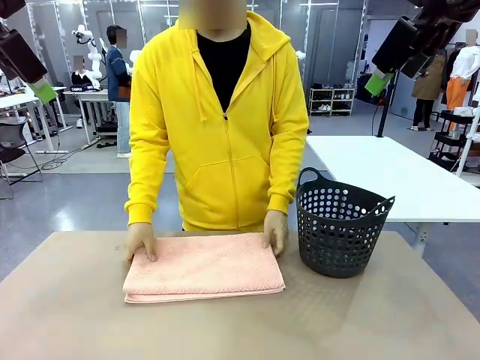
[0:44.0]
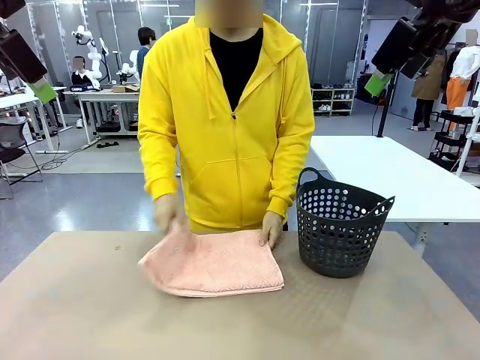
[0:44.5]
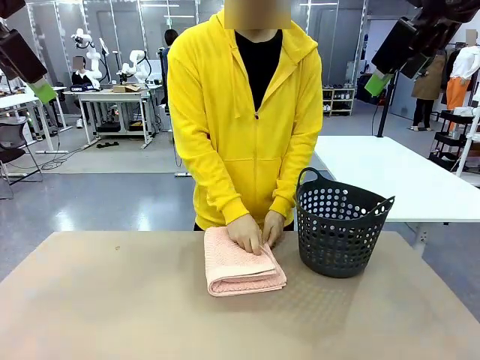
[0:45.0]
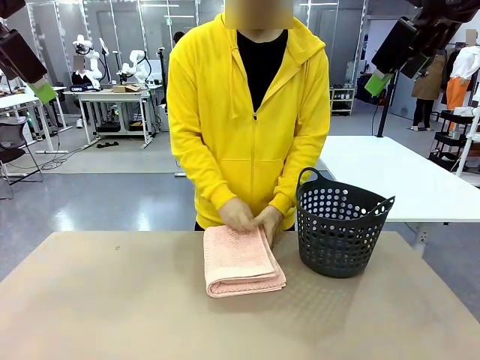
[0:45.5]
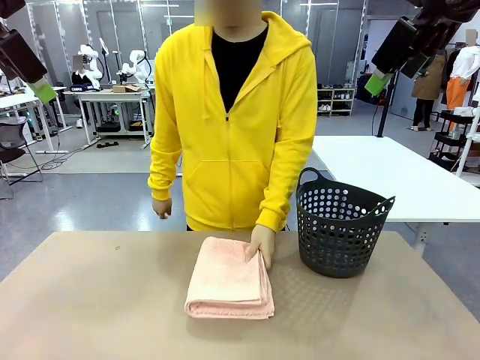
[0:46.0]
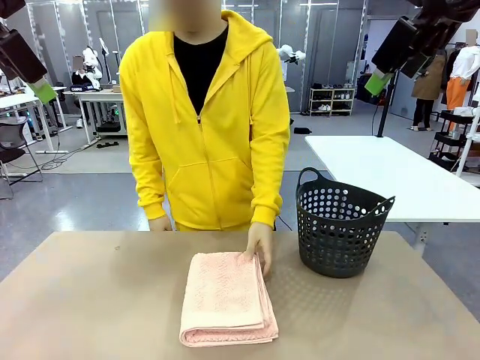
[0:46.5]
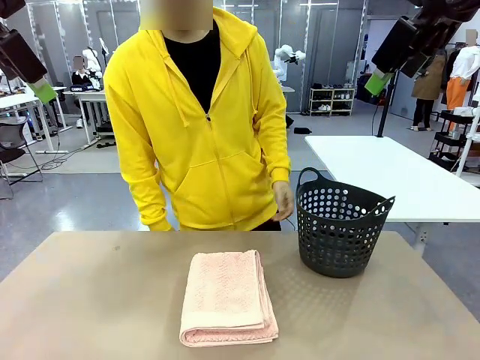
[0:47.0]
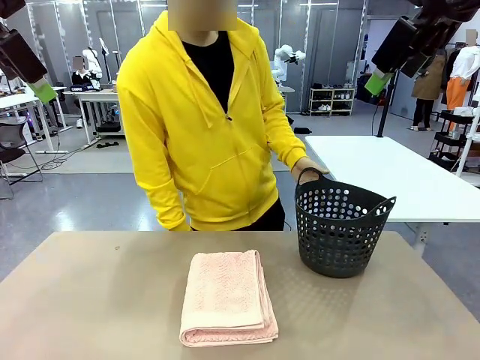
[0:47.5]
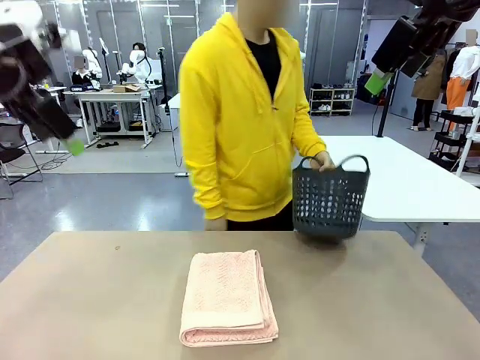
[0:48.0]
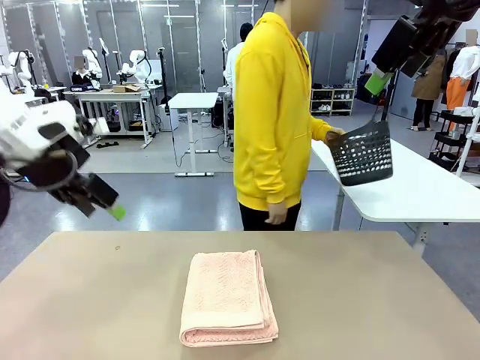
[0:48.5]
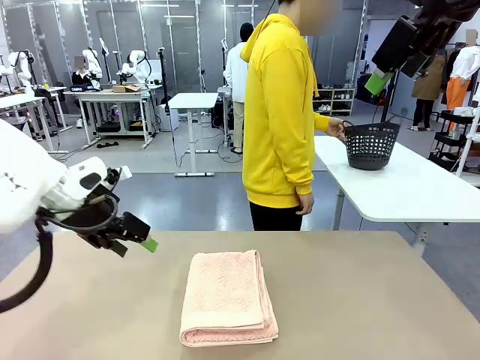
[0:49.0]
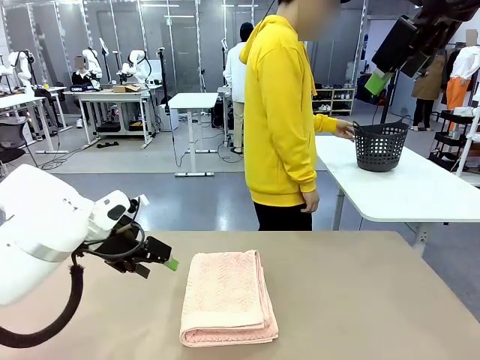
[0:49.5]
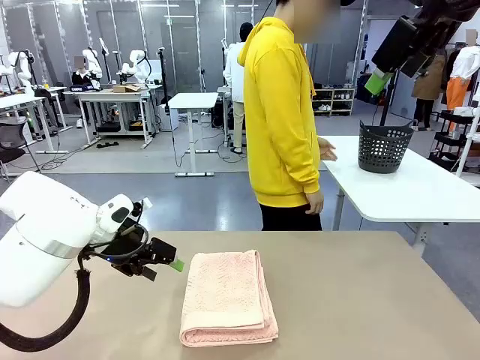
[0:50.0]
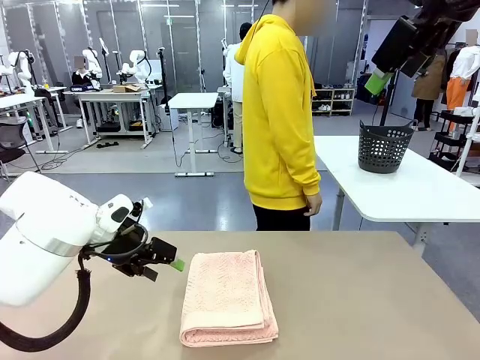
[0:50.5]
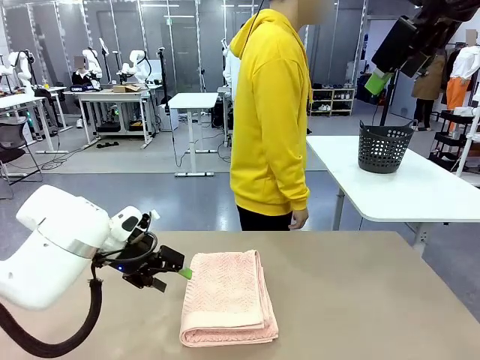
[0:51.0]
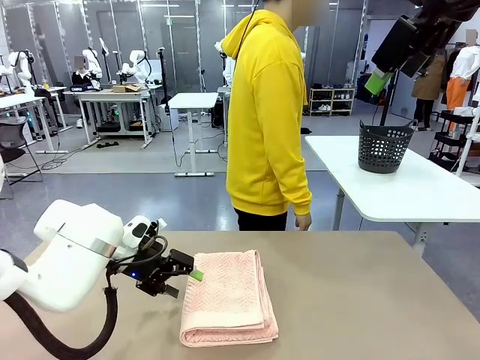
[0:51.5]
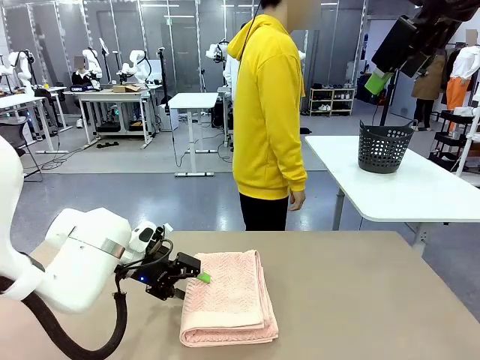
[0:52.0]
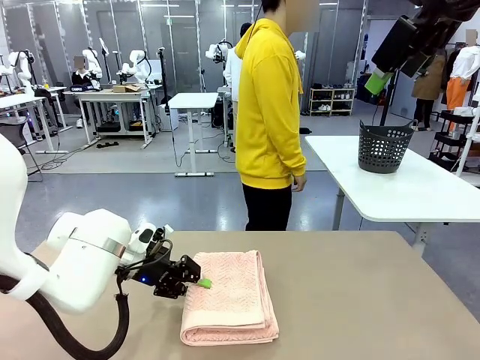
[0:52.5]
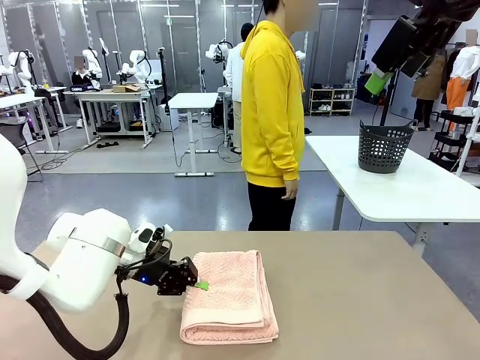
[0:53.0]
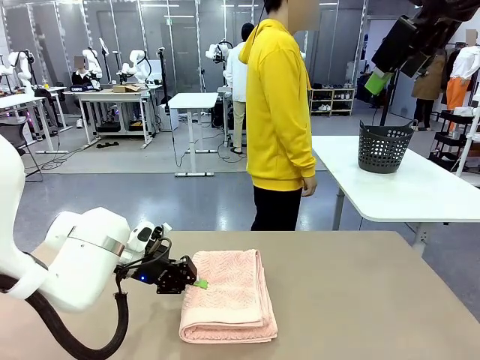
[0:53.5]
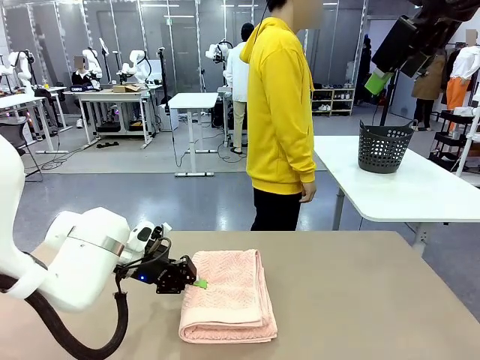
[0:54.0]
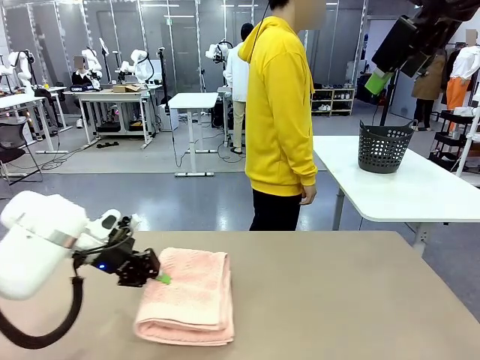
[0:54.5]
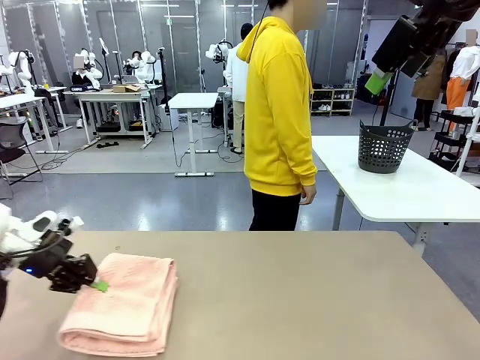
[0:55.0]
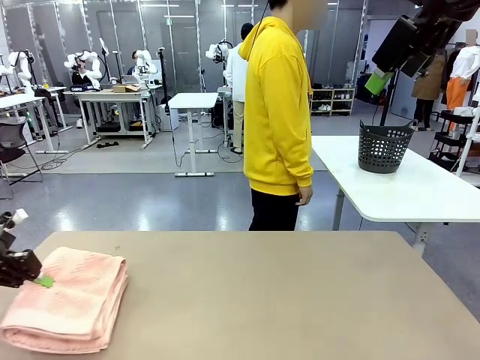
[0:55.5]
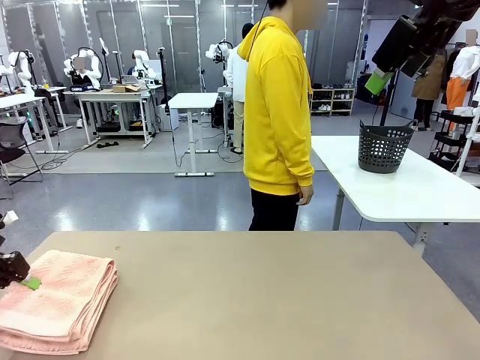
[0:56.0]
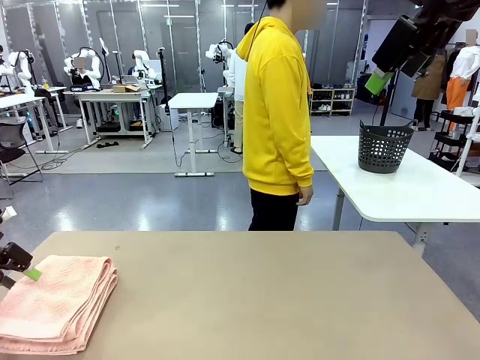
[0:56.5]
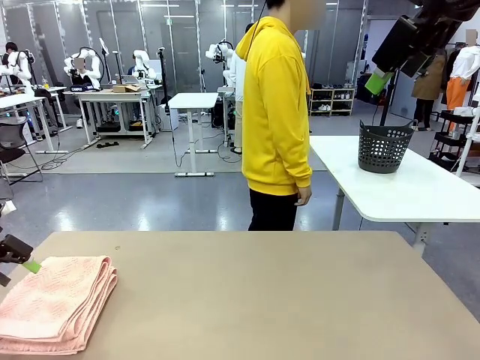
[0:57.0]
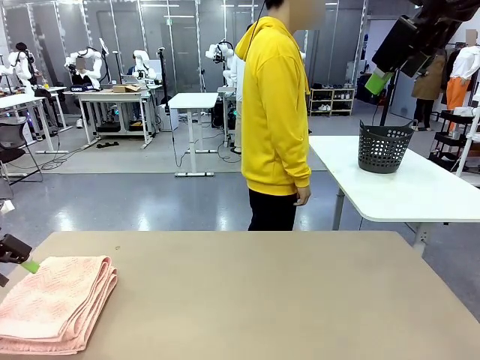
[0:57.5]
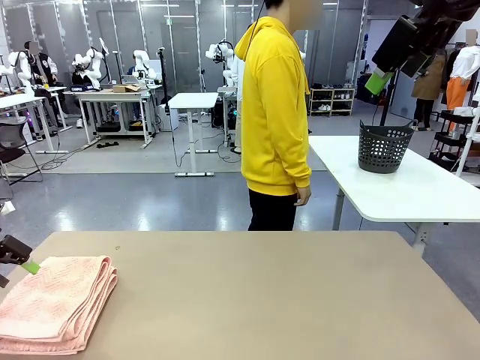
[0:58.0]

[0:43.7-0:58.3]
Task: Fold the towel.
Robot: Pick up the 100 cm Hotel Towel and place it on the left side of the table.
Person: Pick up the laundry basket and place it at the center of the human table.

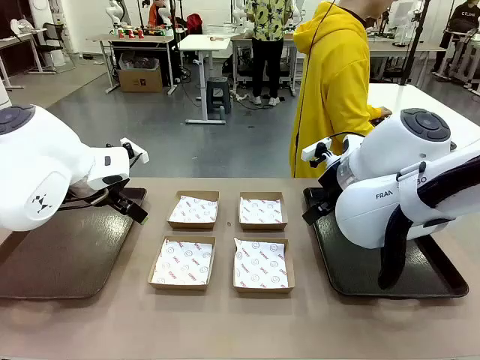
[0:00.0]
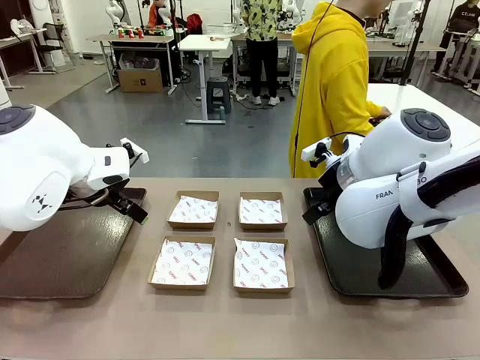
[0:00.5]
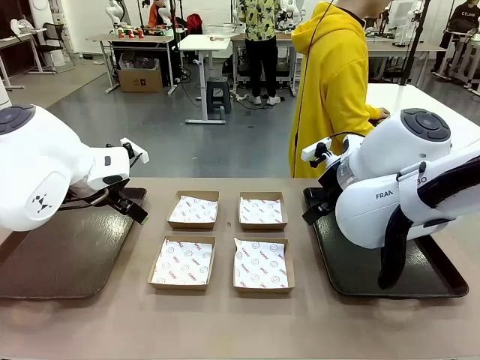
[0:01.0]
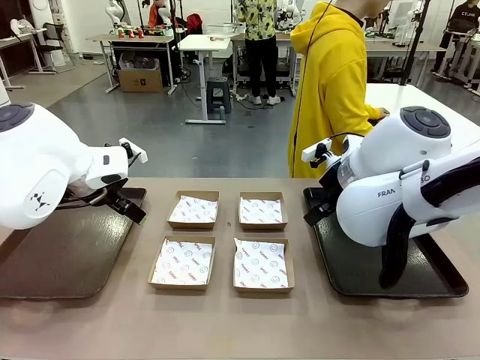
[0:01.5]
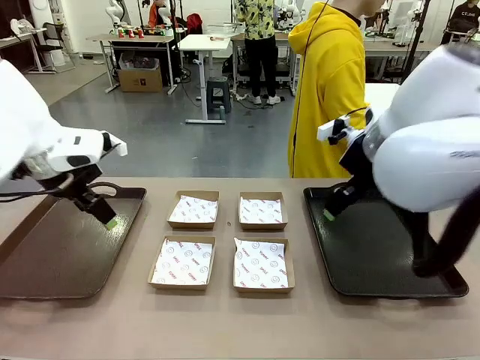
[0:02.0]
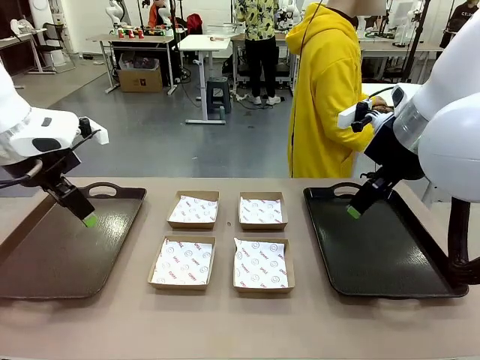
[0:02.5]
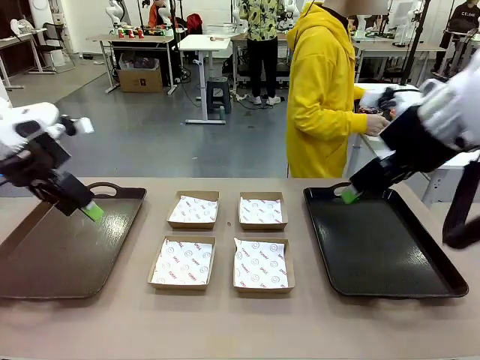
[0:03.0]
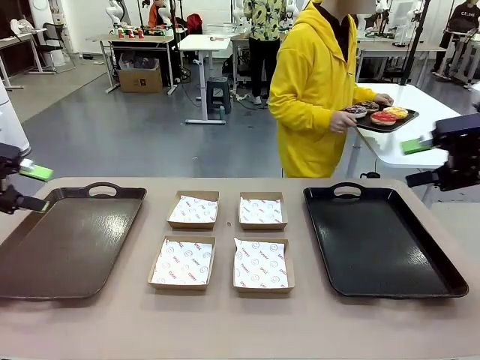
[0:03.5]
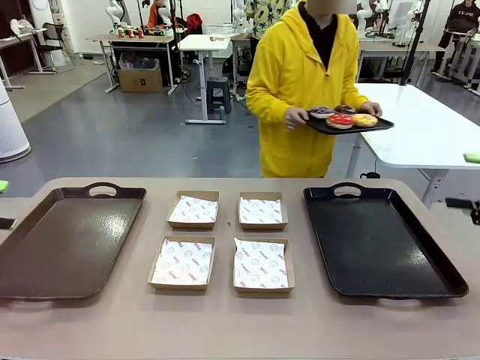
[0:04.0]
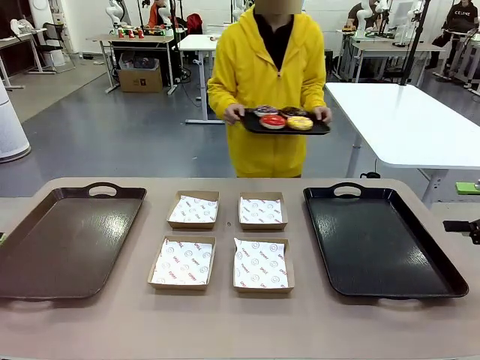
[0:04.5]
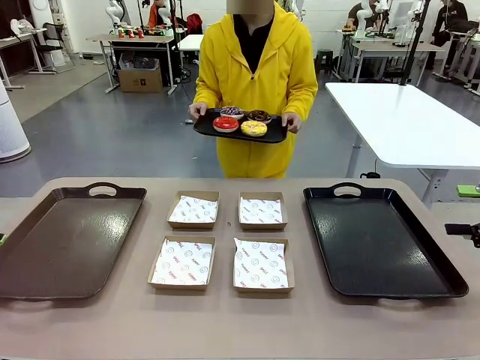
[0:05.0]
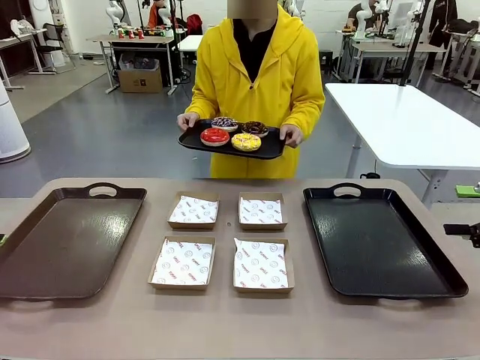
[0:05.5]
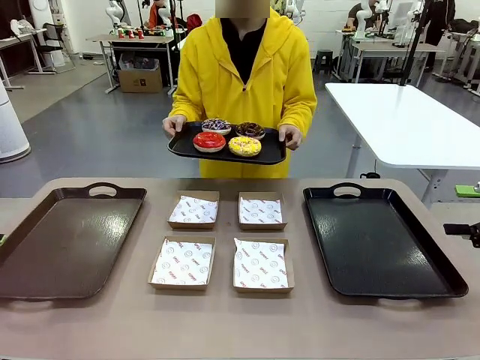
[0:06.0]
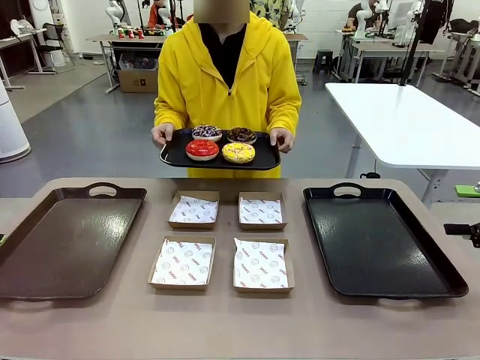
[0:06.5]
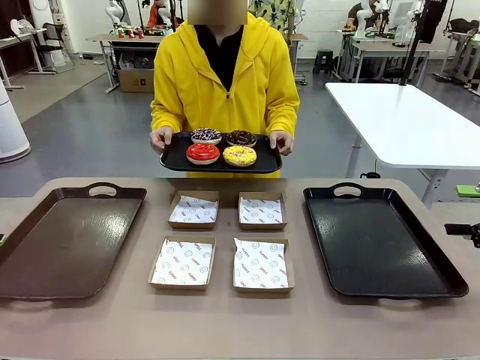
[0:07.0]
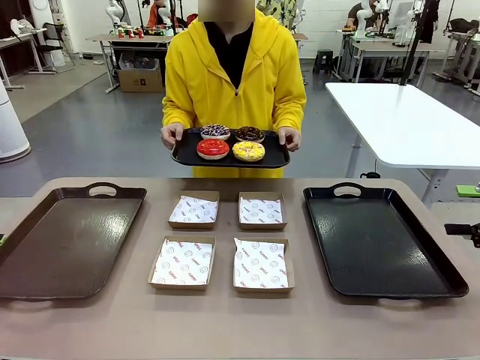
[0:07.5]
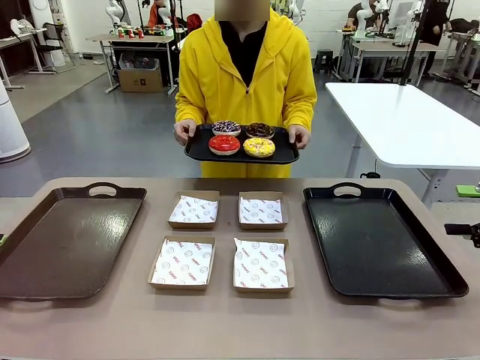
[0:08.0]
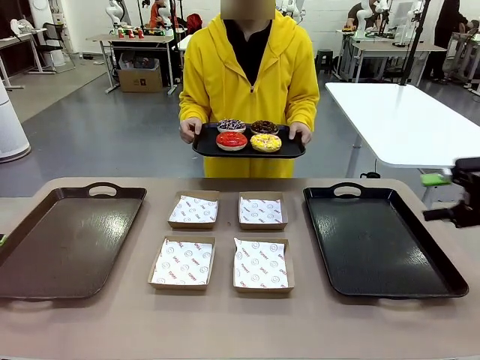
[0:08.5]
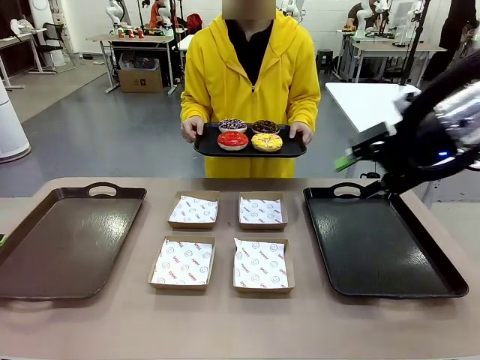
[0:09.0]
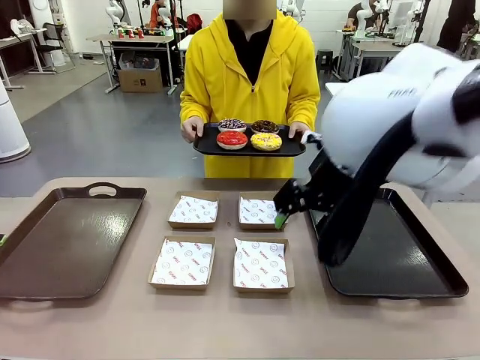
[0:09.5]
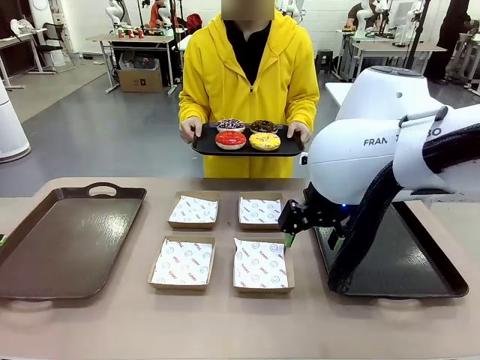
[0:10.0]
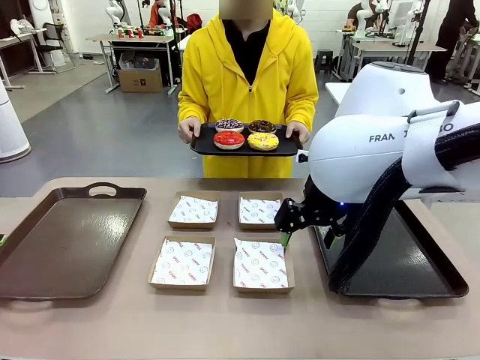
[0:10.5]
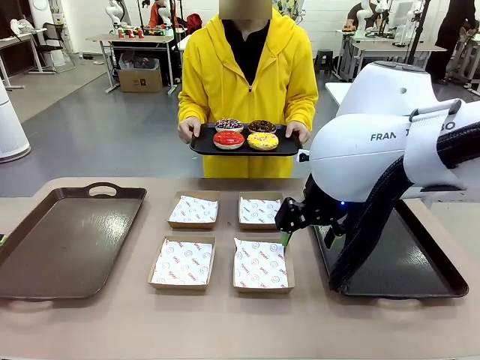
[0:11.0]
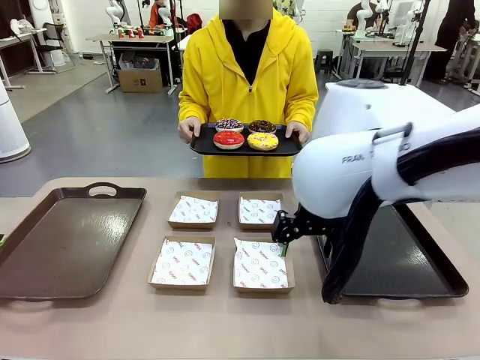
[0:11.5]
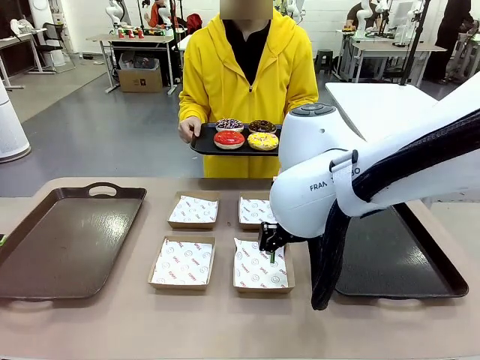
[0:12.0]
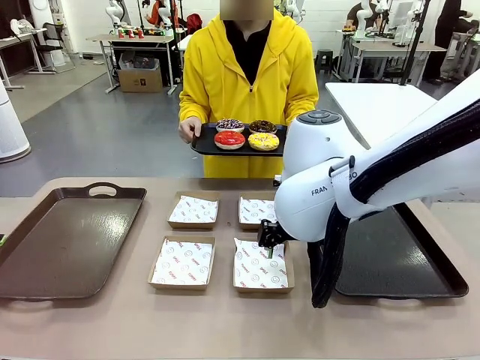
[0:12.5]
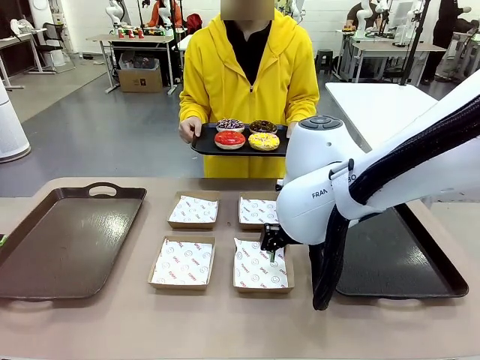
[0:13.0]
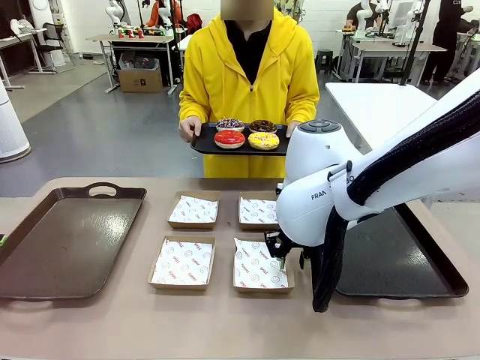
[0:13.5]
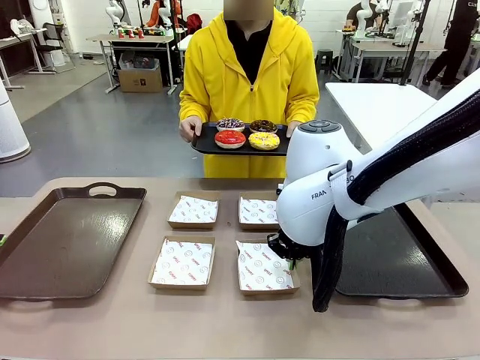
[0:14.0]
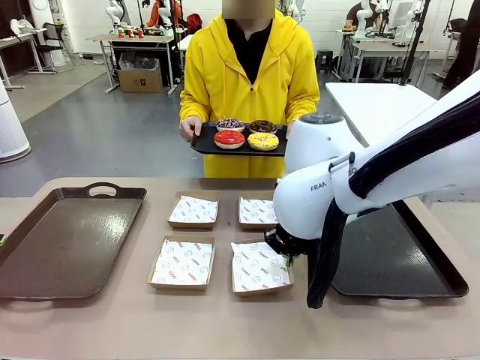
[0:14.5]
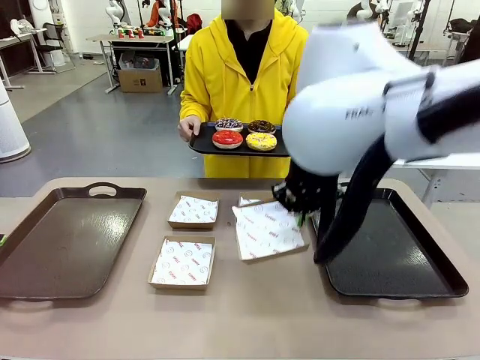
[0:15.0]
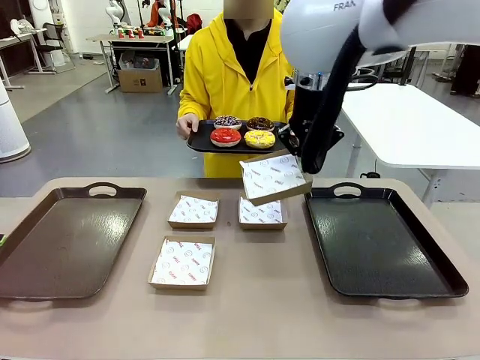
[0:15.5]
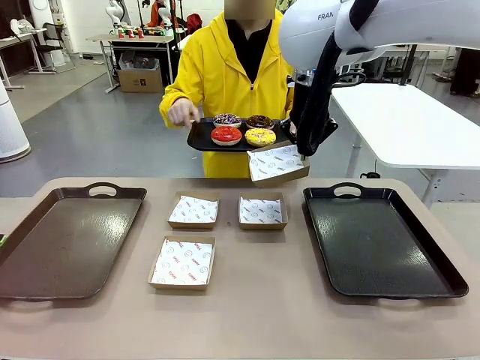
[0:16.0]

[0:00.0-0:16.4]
Task: Individually package the donuts and arrange them on the tray.
Robot: Pick up one Paper togo box.
Person: Stand in front of the robot table holding the tray containing the donuts.
